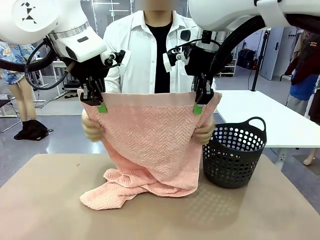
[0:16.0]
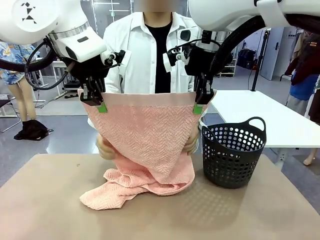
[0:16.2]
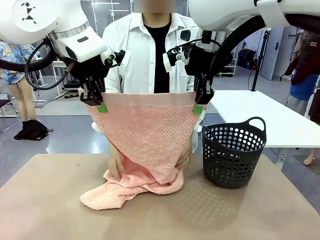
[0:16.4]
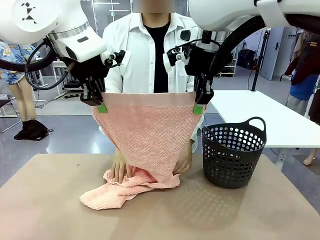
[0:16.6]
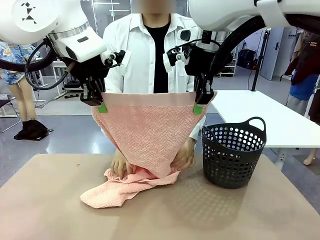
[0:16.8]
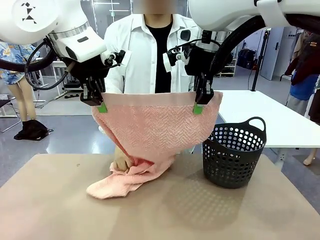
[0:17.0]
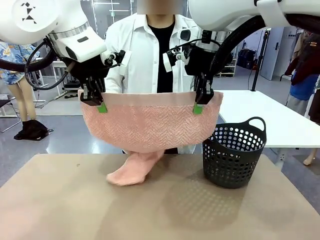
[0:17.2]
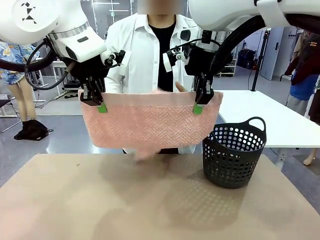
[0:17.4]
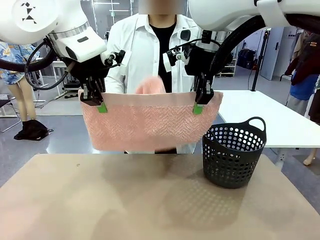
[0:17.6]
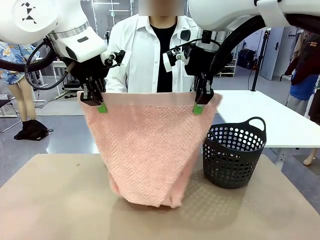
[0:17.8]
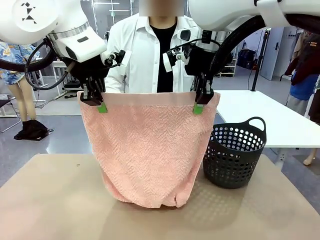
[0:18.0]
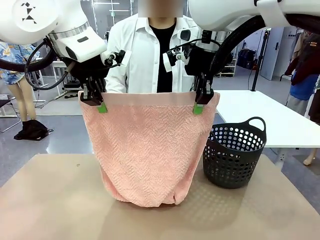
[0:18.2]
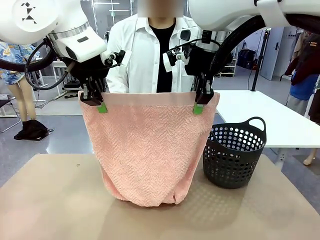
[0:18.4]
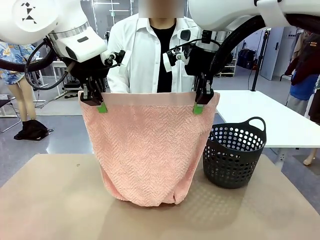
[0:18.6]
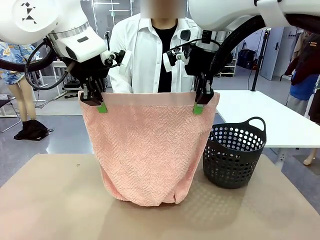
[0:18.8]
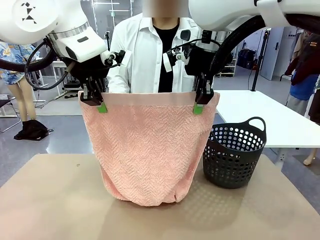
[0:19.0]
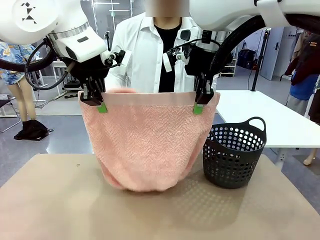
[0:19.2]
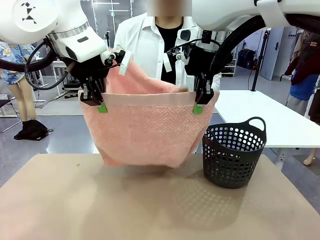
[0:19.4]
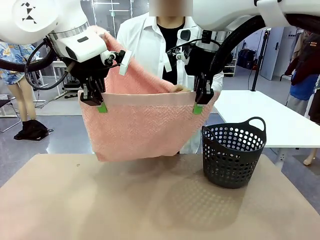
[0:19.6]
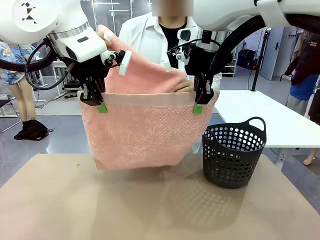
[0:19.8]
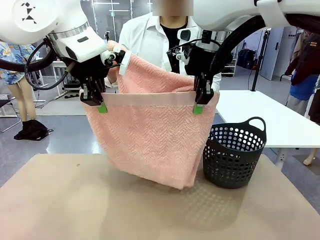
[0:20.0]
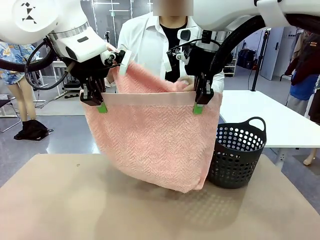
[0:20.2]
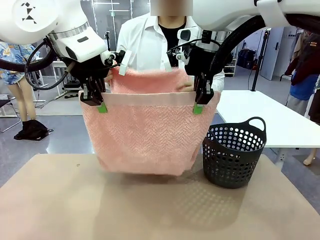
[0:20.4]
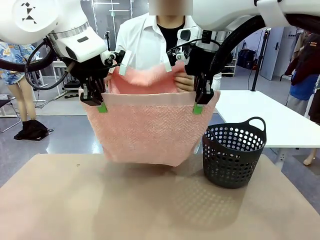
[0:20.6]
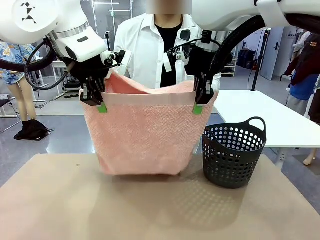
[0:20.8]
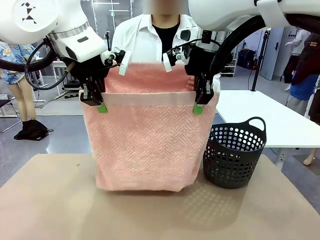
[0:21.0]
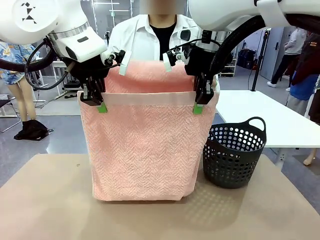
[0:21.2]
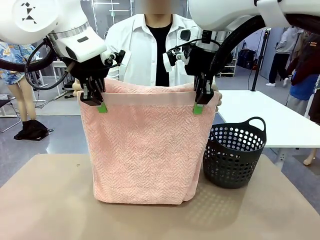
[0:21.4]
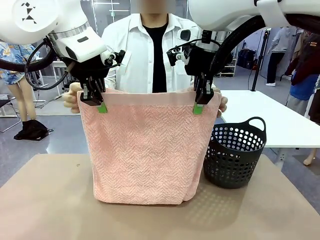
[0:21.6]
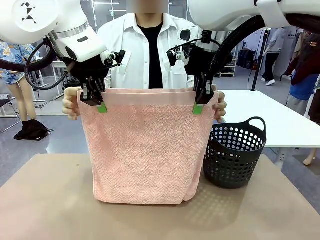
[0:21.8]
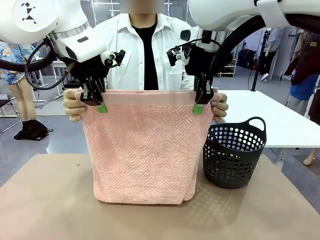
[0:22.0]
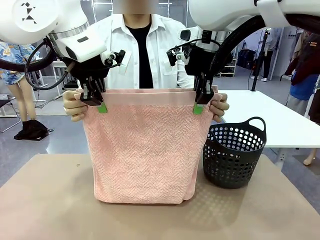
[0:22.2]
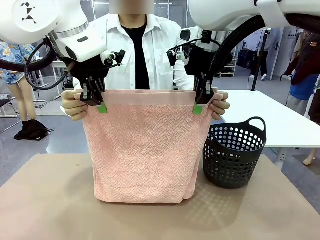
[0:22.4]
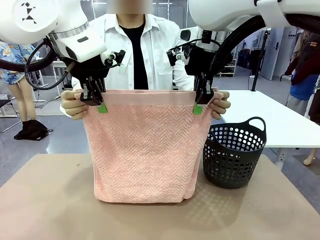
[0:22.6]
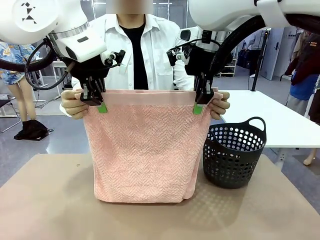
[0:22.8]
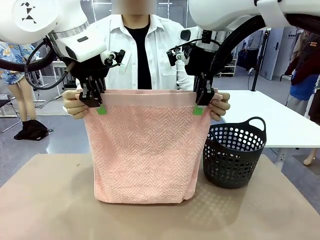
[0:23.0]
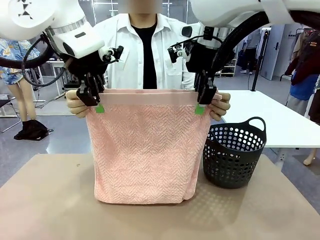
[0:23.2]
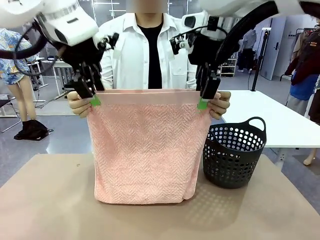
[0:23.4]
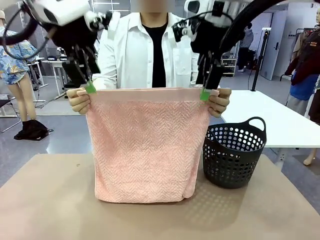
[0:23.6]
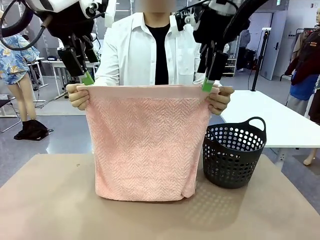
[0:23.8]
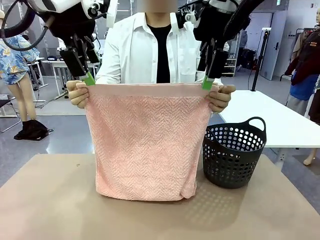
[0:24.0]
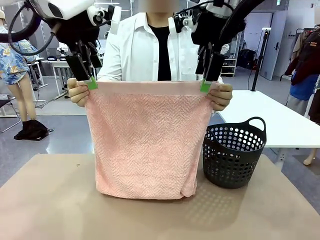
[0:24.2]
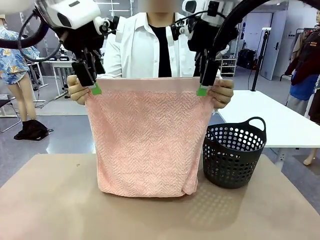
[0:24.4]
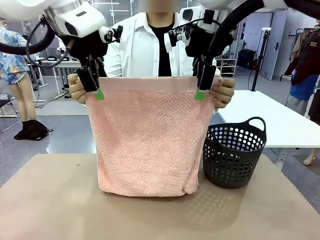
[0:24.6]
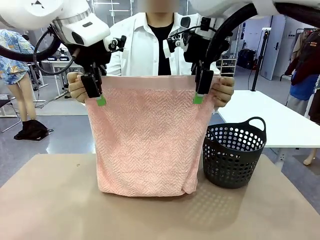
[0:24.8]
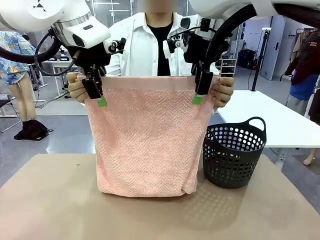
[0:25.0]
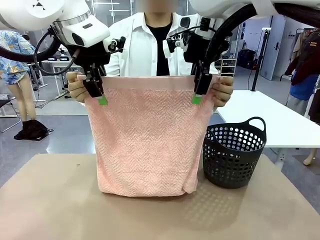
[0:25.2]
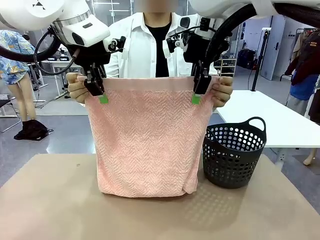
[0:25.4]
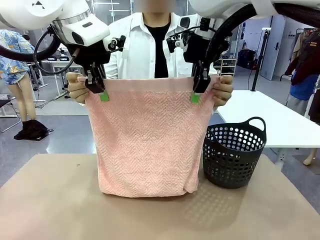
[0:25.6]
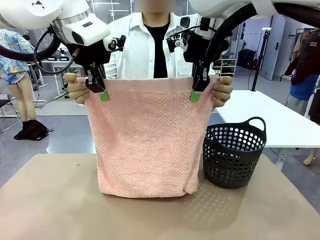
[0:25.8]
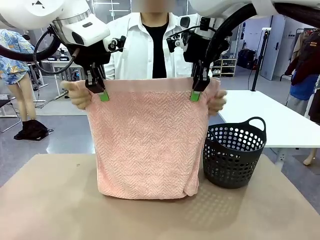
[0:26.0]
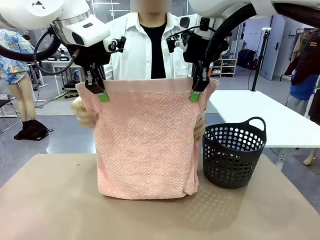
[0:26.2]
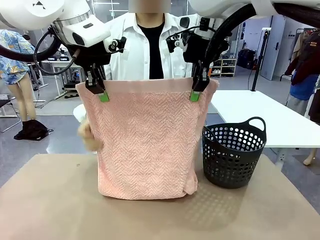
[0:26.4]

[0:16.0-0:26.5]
Task: Fold the towel.
Robot: Release the end of the 100 cm Hotel Towel you were holding and grab the top end of the folded side.

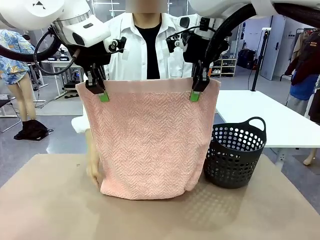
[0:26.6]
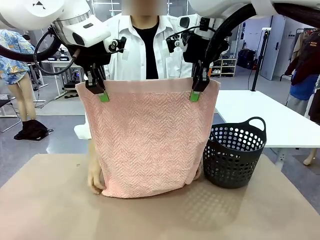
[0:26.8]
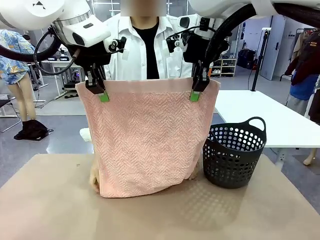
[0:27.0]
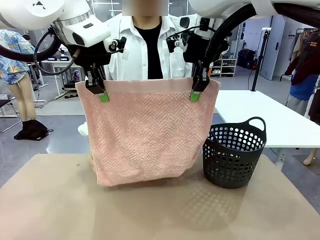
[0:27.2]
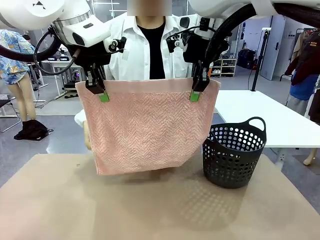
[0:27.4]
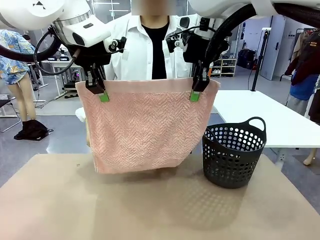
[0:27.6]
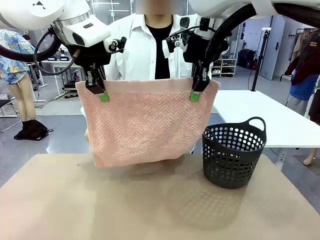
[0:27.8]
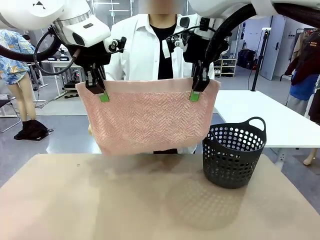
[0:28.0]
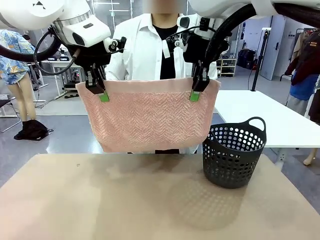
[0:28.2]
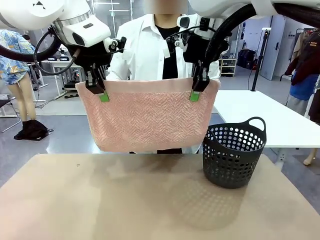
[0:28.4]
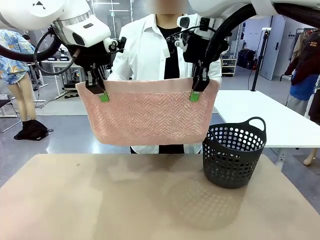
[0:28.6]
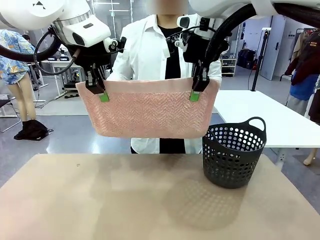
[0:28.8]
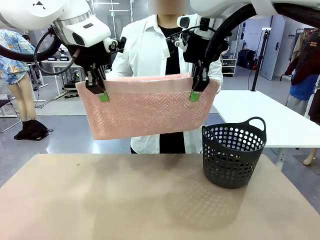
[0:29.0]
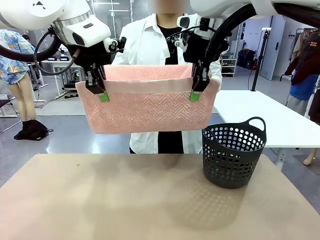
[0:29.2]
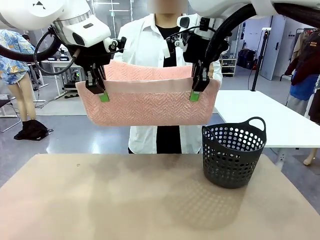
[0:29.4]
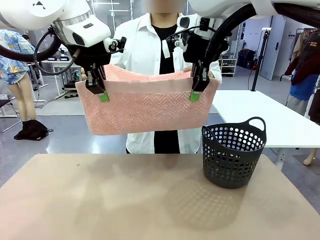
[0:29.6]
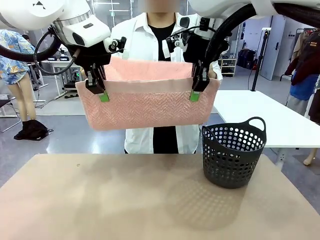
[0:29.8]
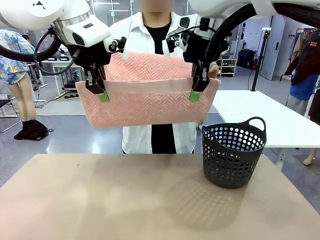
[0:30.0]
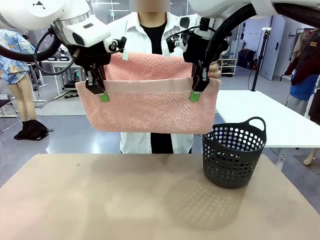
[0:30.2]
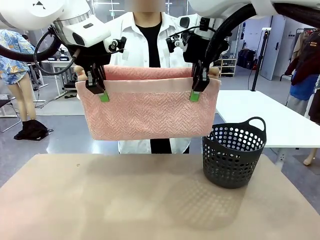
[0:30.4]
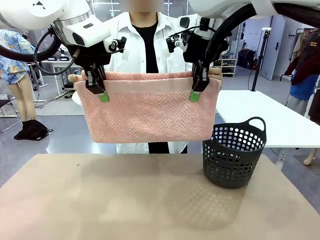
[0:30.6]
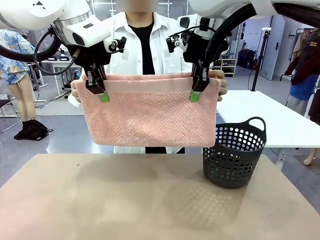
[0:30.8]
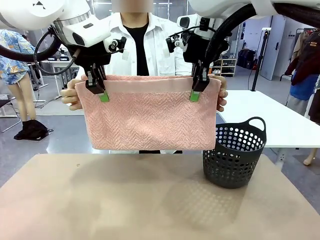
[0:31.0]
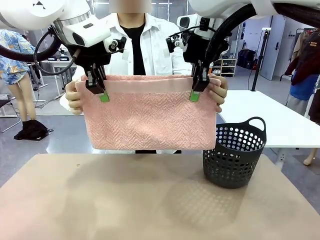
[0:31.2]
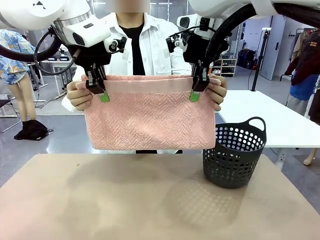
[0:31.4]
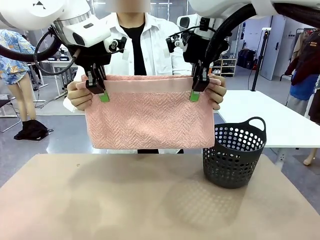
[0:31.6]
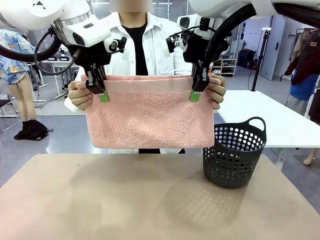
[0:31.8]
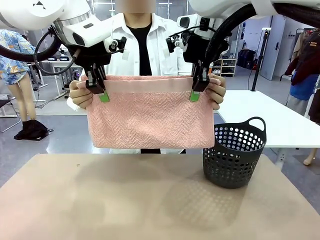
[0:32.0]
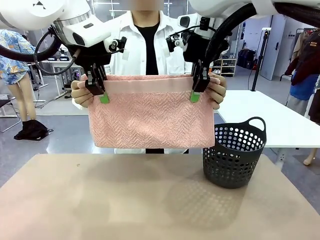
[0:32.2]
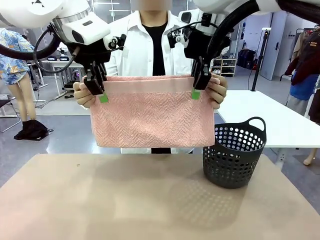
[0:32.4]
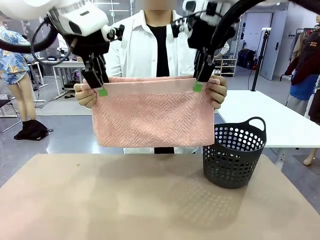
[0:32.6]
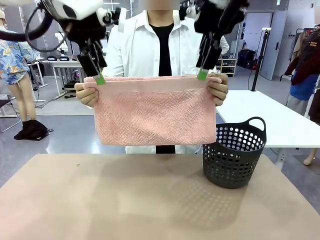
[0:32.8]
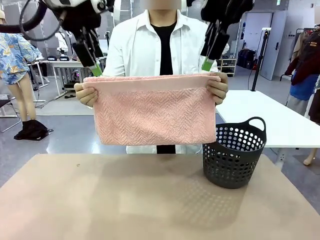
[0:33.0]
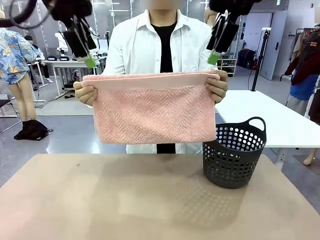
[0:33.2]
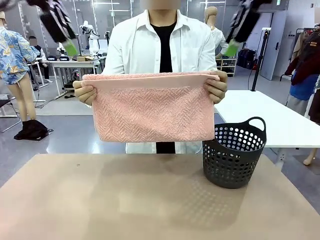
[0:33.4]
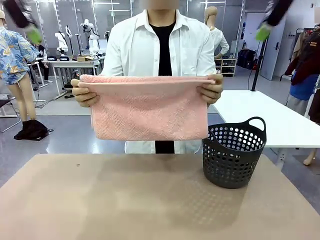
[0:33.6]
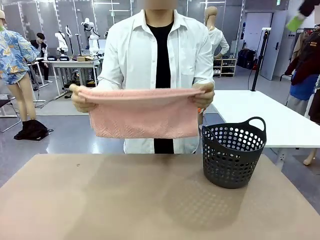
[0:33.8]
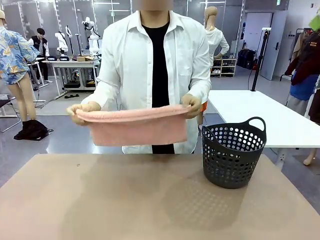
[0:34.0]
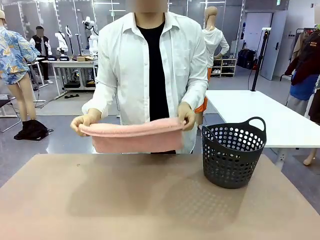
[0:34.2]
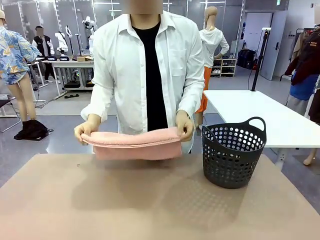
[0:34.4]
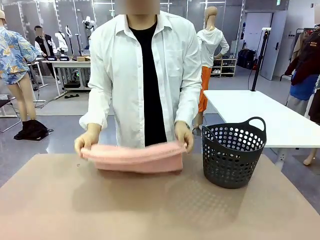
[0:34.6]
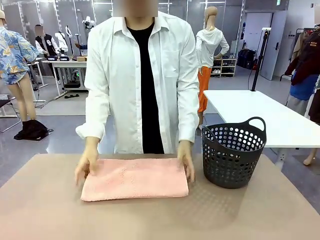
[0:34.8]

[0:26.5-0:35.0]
Robot: Release the end of the 100 cm Hotel Towel you were holding.
Person: Place the towel at the center of the robot table and fold it in half.
